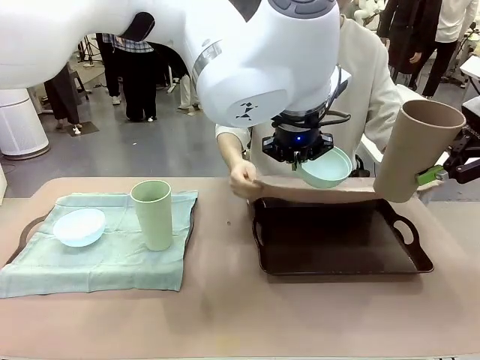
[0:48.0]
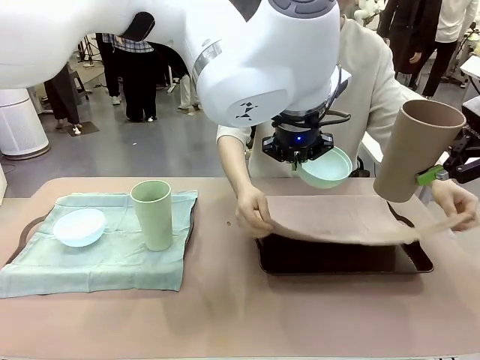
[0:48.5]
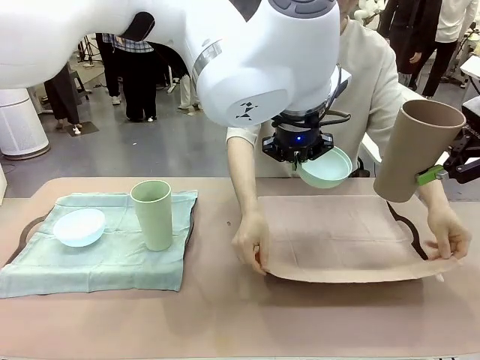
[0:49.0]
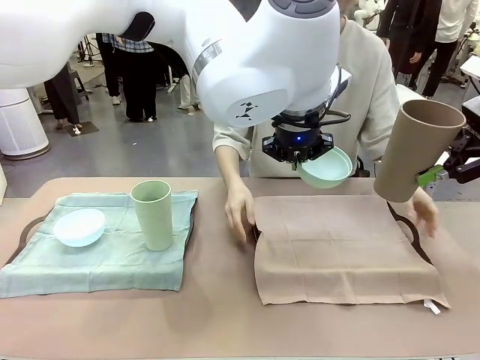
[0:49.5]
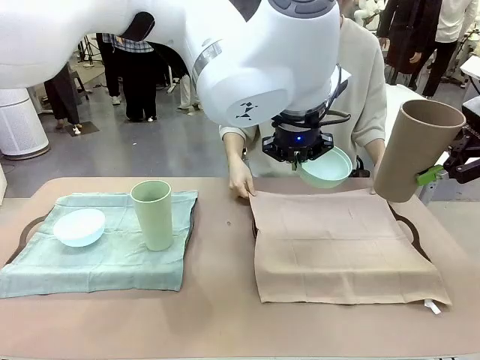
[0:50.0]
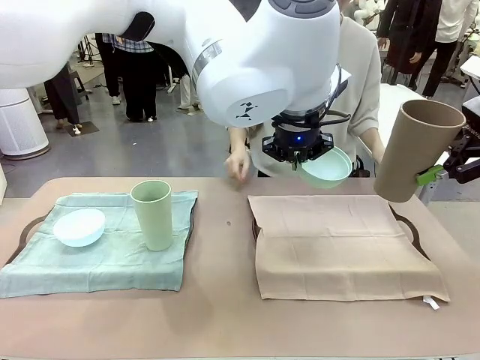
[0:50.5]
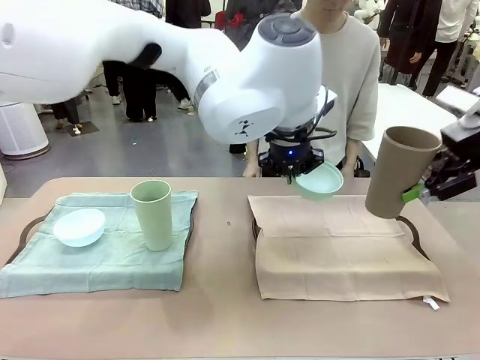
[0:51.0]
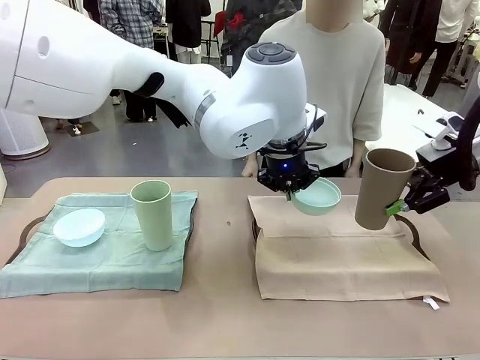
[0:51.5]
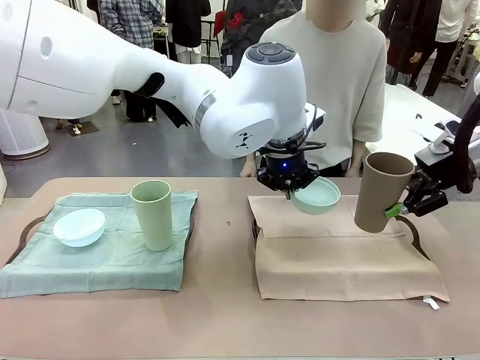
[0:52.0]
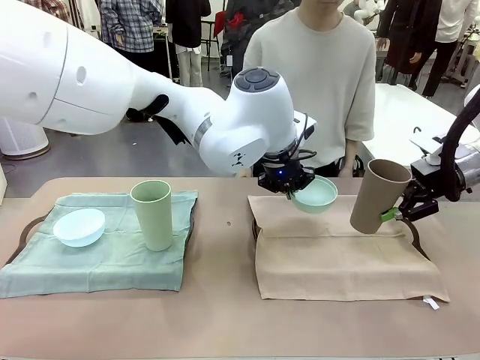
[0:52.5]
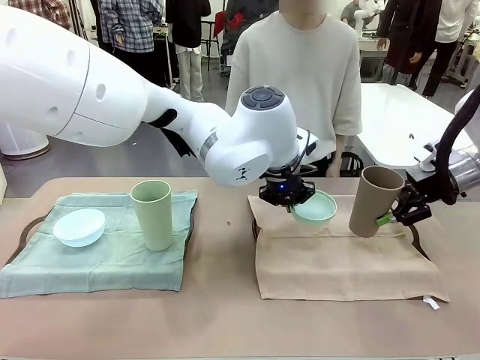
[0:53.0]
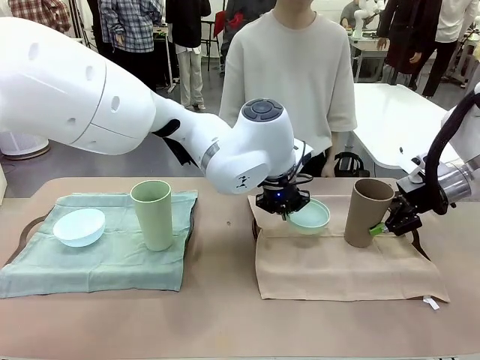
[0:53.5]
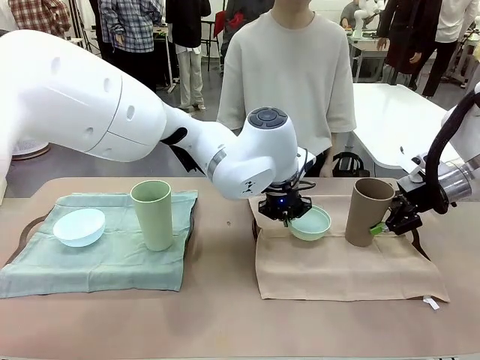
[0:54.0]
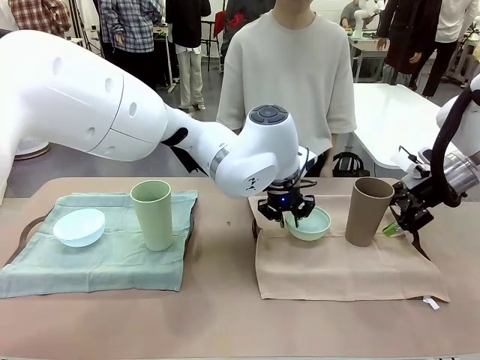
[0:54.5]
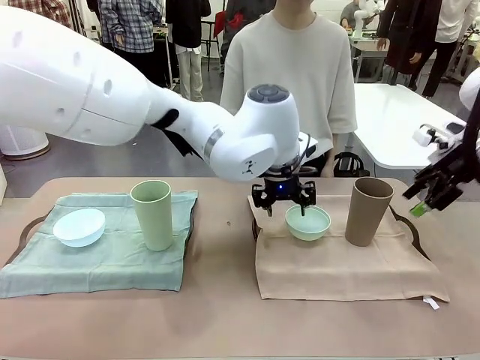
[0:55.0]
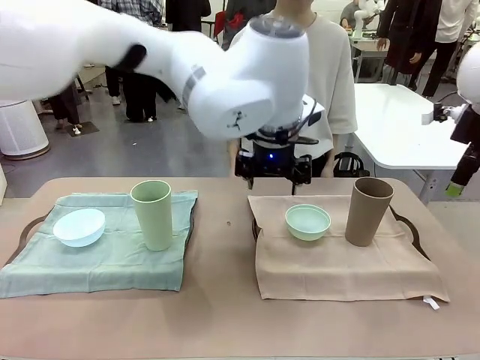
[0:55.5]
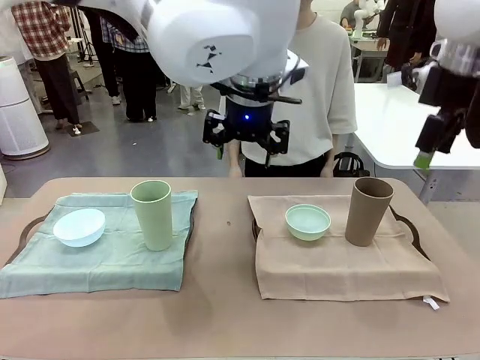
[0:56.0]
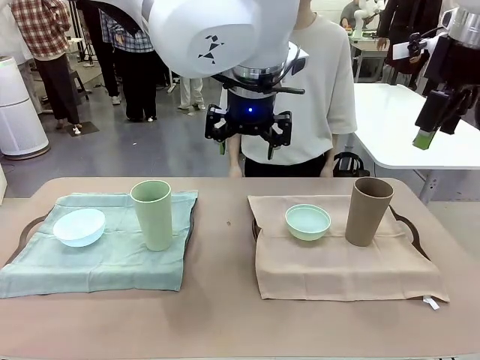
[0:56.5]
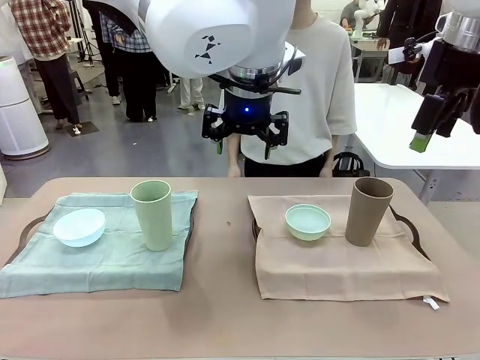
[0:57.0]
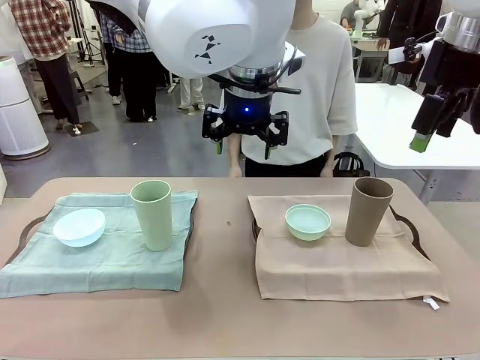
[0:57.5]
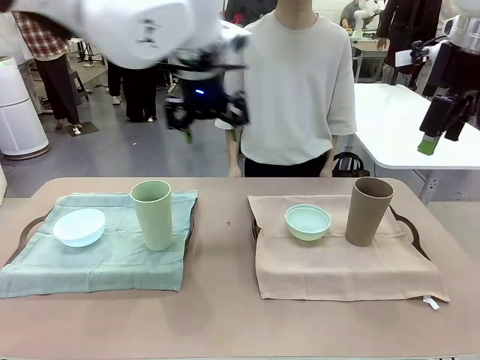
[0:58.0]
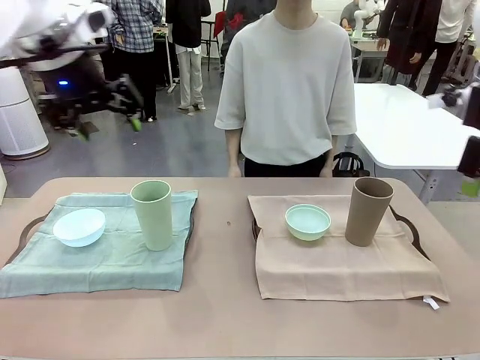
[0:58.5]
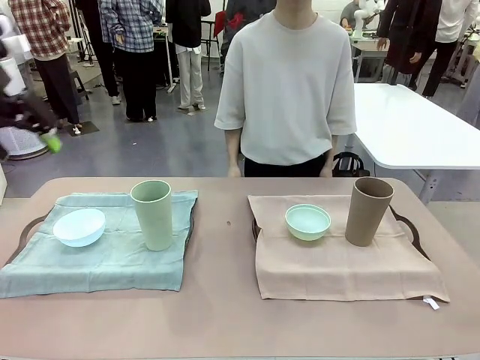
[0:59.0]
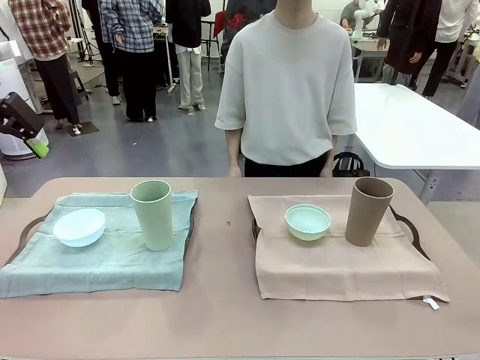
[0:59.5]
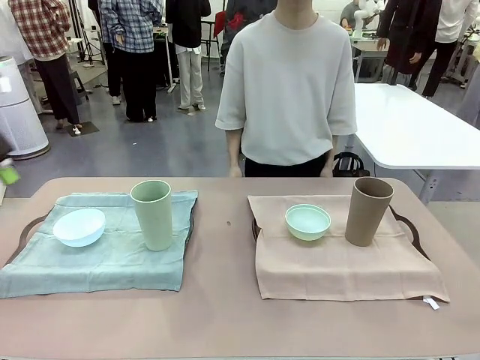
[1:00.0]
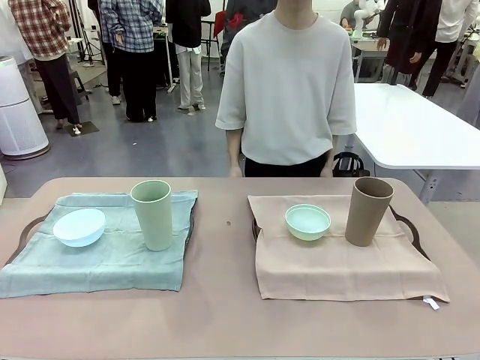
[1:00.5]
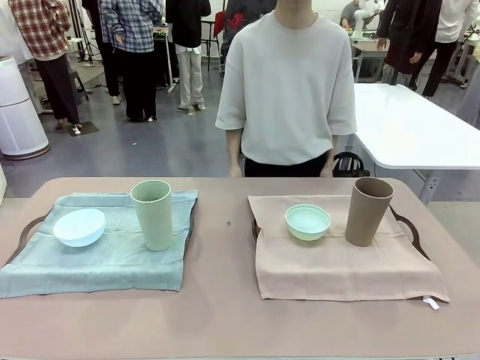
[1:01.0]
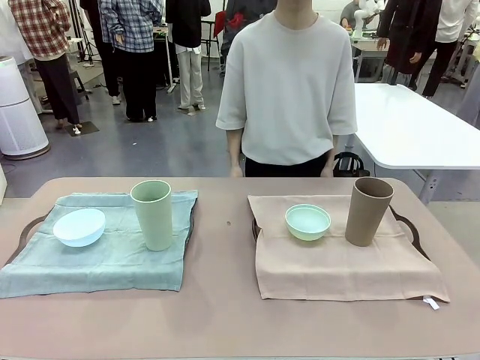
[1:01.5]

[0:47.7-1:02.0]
Robot: Place the Picnic Bowl and Reusable plastic cup back onto the Handle tray in front of the human's position.

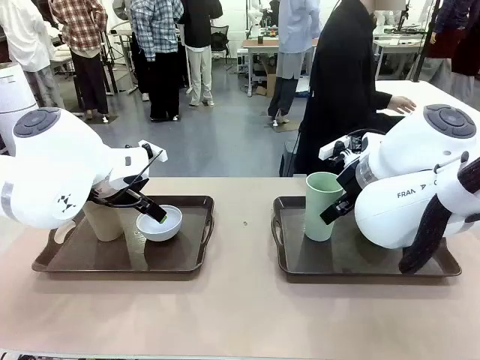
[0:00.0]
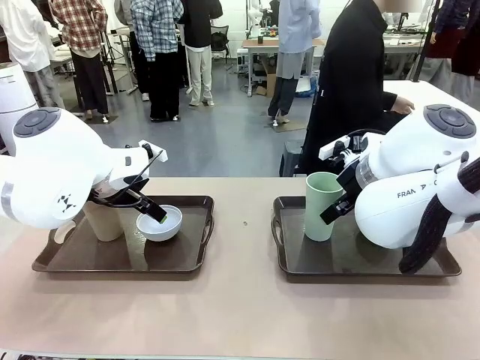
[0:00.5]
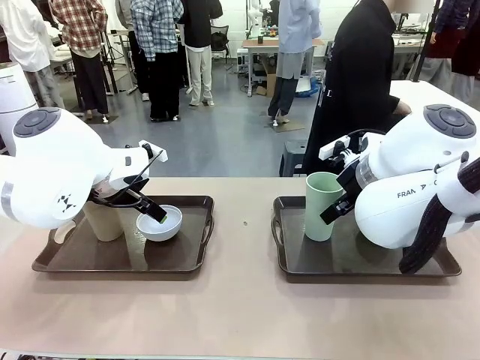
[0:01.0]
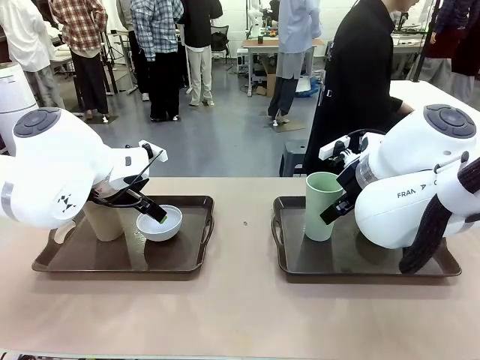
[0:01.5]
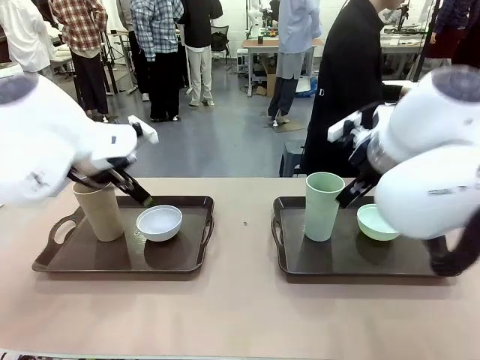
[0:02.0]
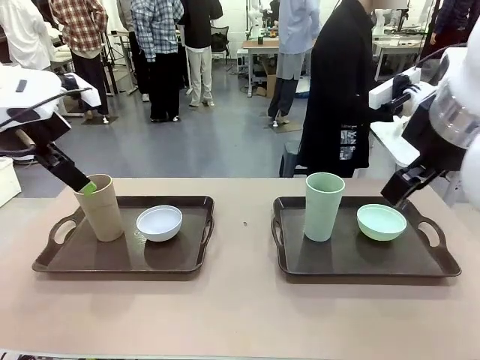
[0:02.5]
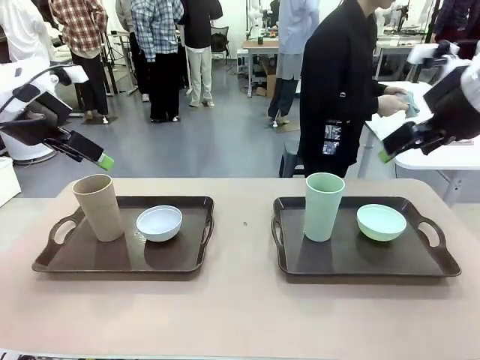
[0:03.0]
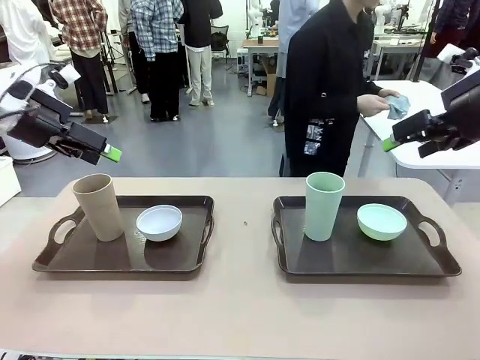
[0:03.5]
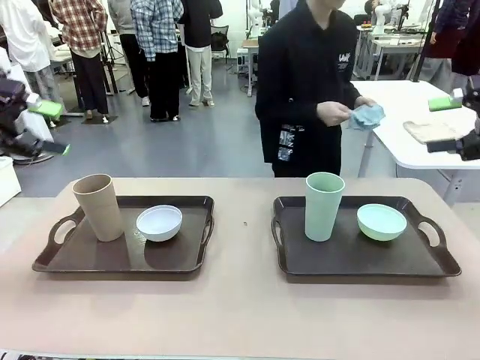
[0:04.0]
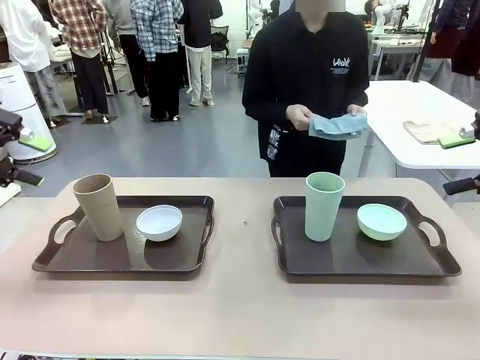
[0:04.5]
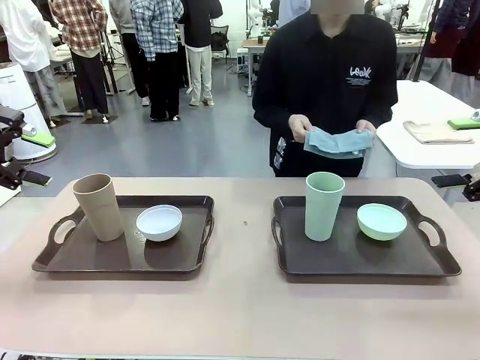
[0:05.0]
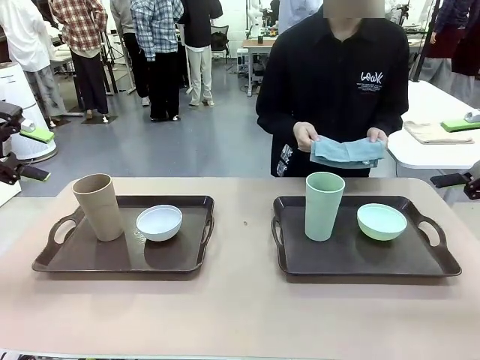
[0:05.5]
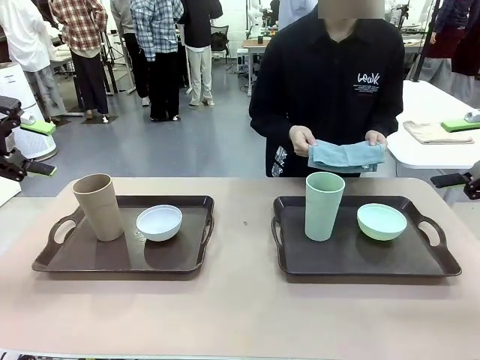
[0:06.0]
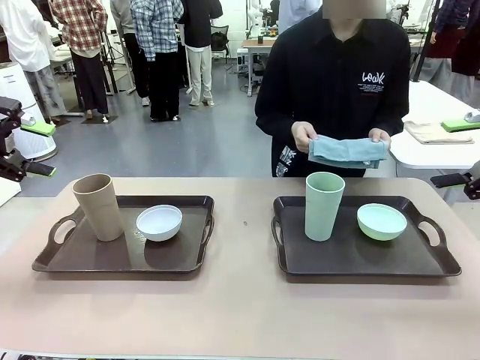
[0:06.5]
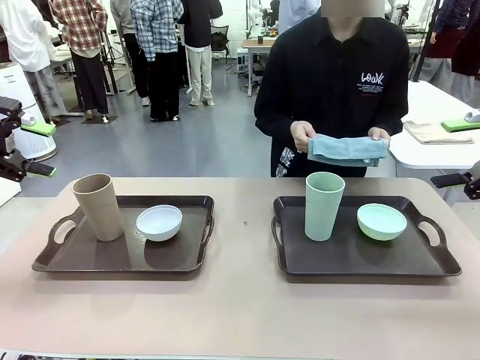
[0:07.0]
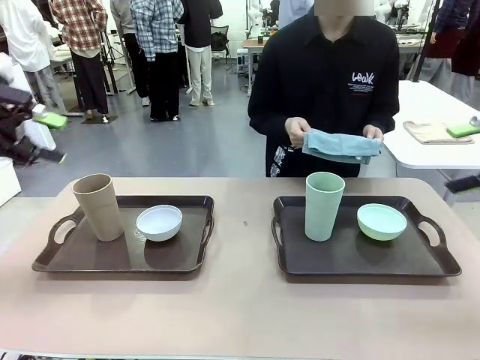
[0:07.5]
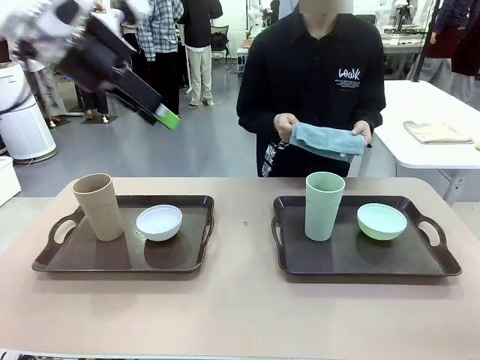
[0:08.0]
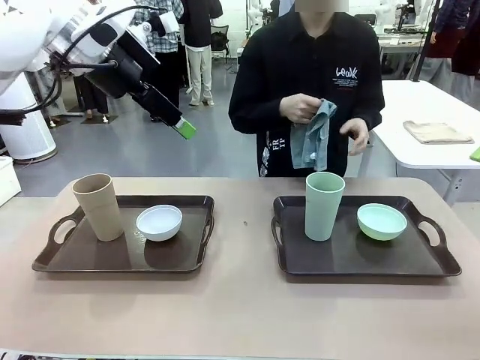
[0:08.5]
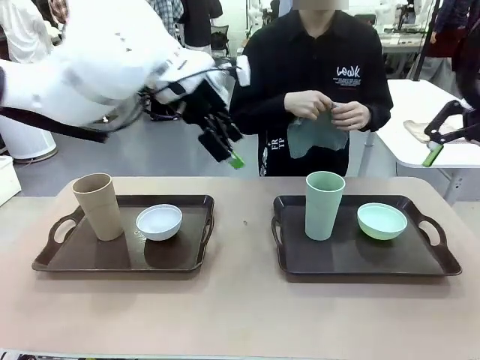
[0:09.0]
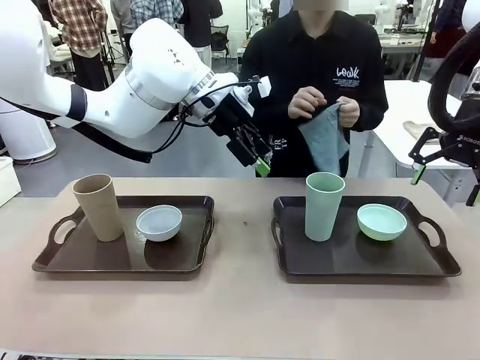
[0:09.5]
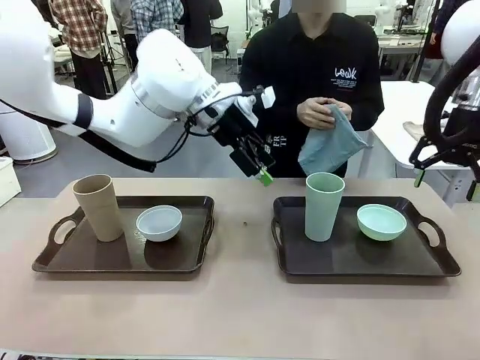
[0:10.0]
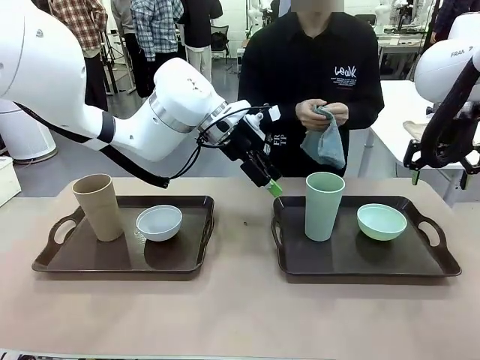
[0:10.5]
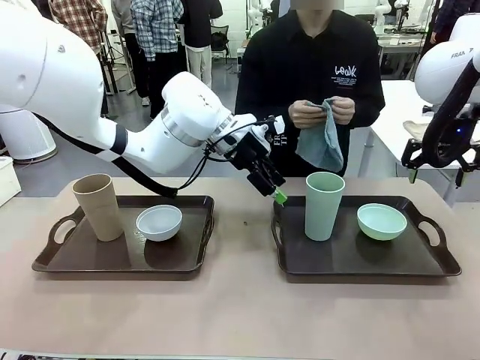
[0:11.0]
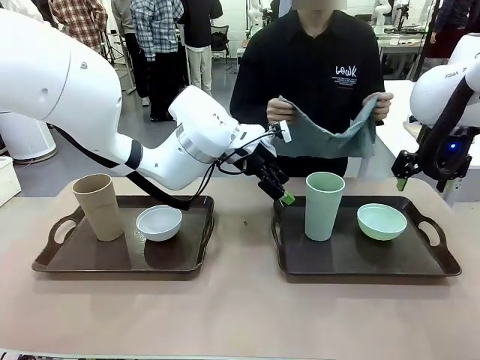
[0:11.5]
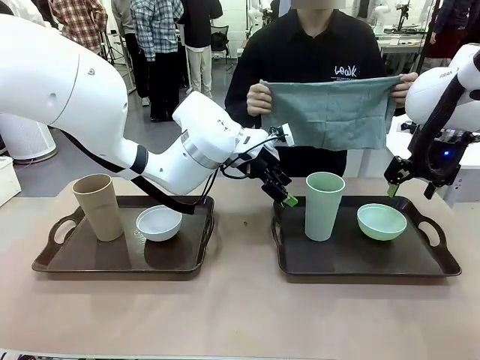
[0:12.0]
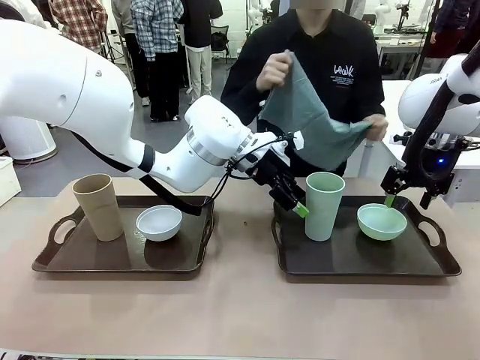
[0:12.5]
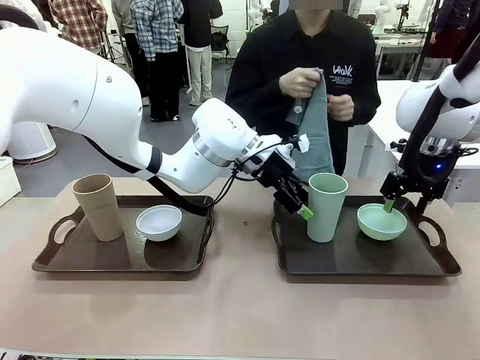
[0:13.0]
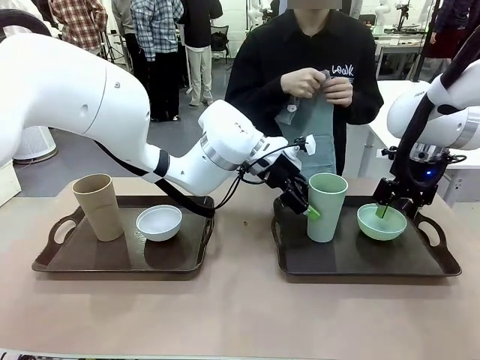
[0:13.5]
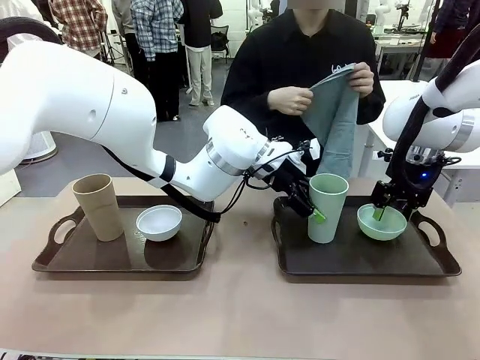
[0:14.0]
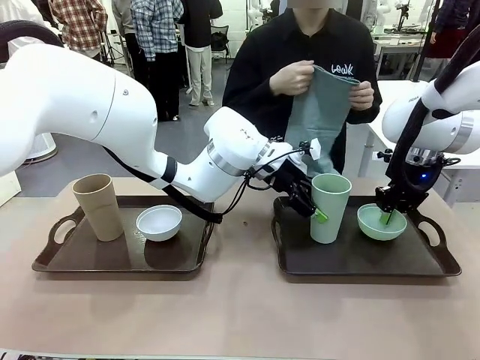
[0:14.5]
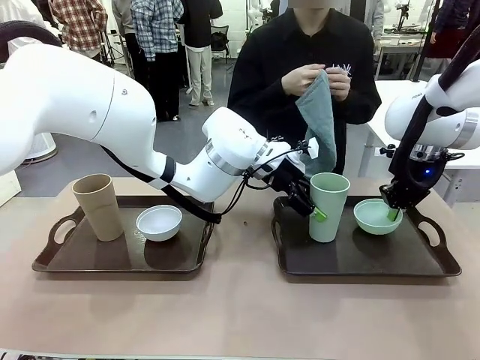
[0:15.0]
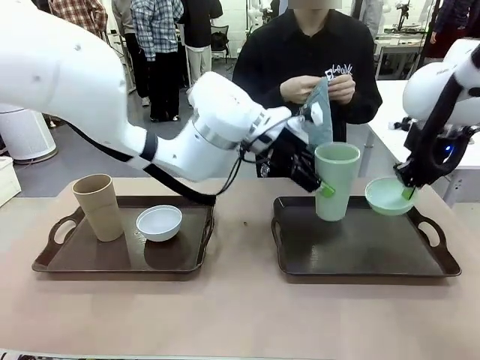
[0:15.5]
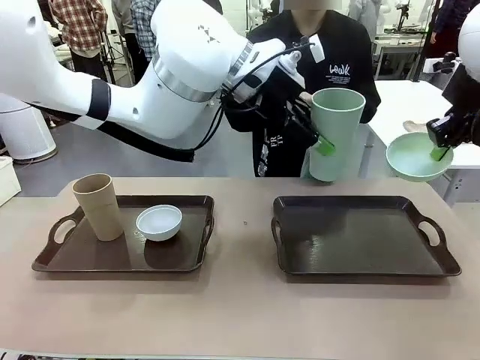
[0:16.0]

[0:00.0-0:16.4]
Robot: Pick up the Picnic Bowl and Reusable plastic cup from the Handle tray in front of the human's position and hold them in the air.
Person: The human picks up the top napkin from the stack on the human table and walks to the robot table to stand in front of one of the two trays. When the robot lifts the bowl and the cup, the human unfolds the napkin and lays the napkin flat on the tray.
